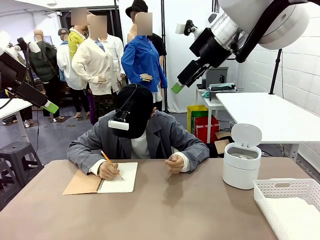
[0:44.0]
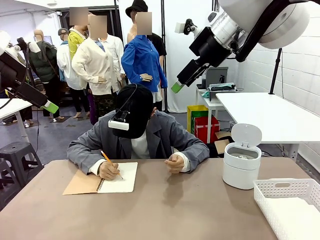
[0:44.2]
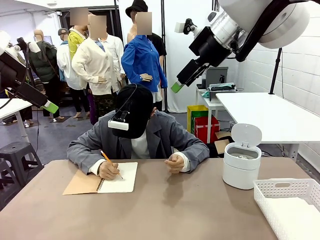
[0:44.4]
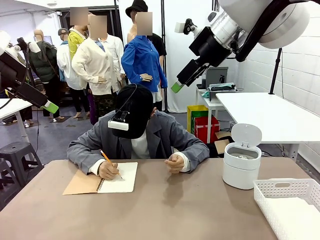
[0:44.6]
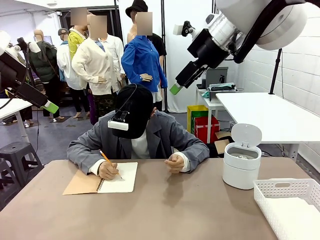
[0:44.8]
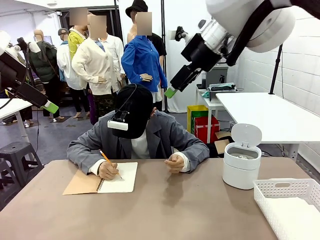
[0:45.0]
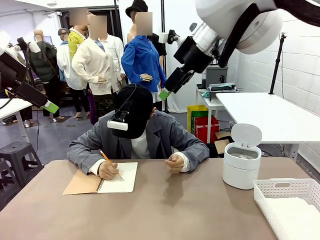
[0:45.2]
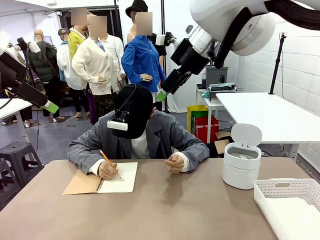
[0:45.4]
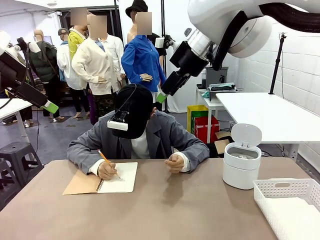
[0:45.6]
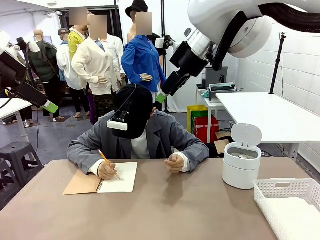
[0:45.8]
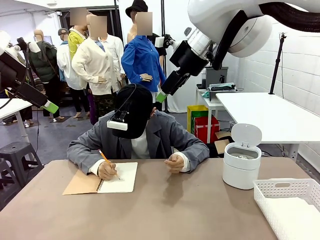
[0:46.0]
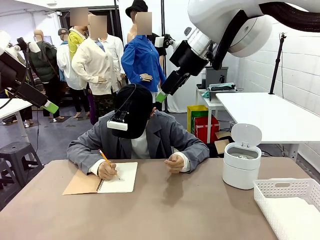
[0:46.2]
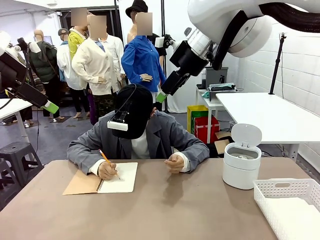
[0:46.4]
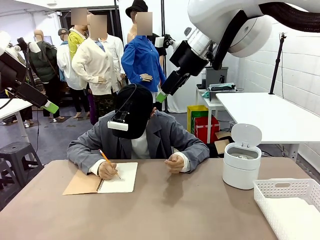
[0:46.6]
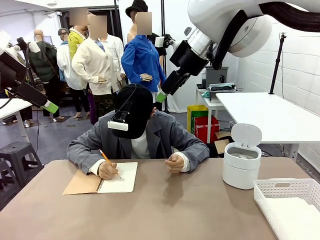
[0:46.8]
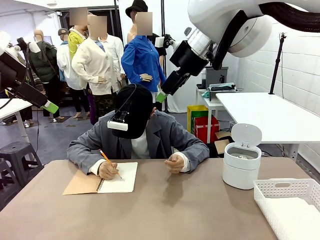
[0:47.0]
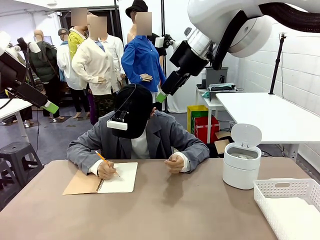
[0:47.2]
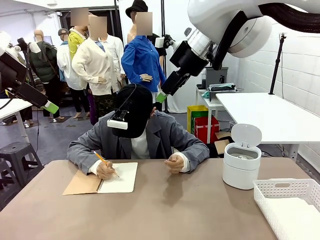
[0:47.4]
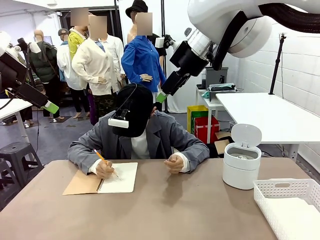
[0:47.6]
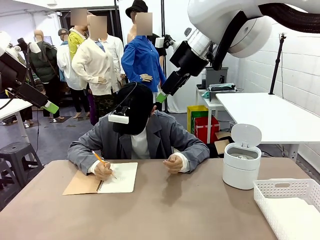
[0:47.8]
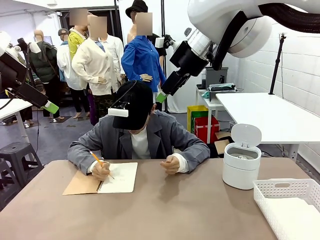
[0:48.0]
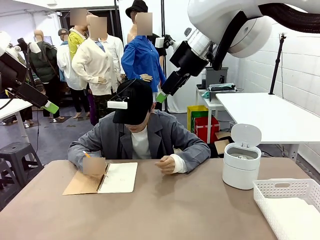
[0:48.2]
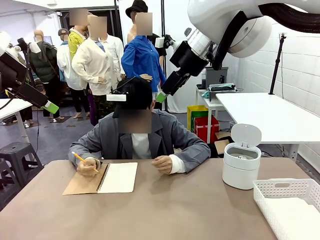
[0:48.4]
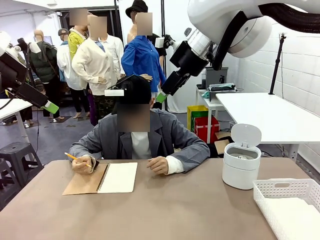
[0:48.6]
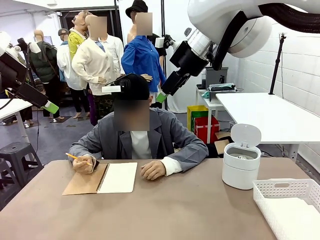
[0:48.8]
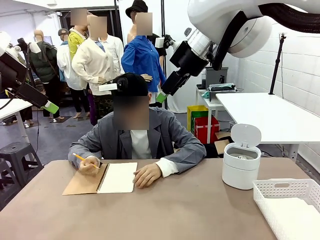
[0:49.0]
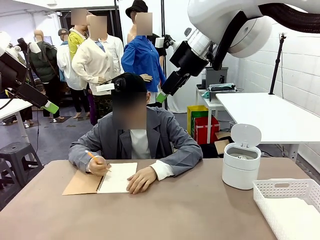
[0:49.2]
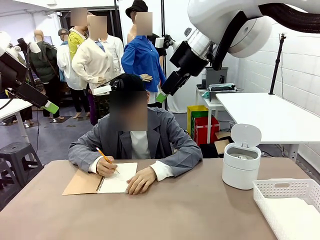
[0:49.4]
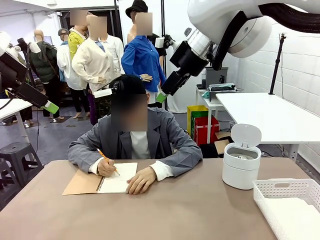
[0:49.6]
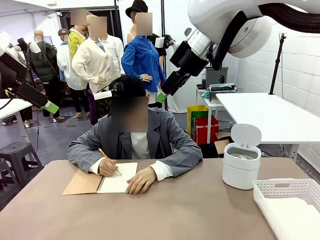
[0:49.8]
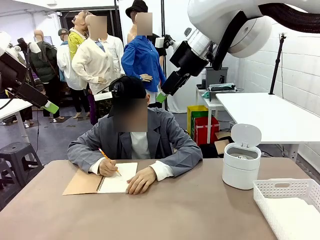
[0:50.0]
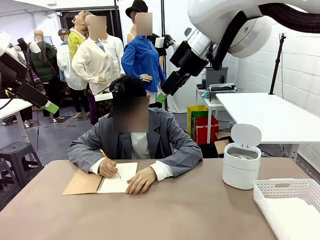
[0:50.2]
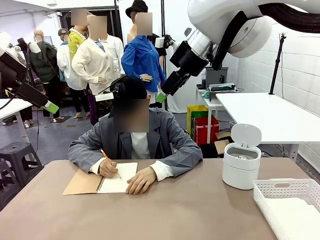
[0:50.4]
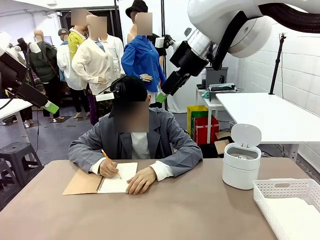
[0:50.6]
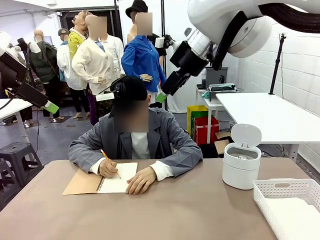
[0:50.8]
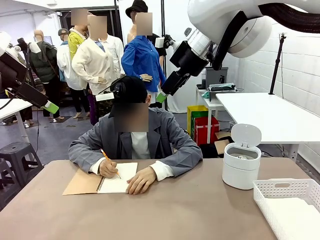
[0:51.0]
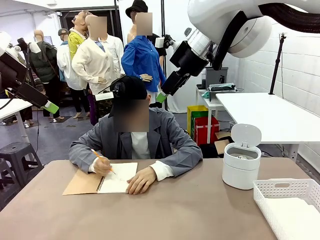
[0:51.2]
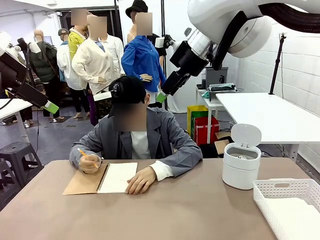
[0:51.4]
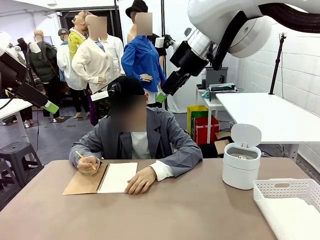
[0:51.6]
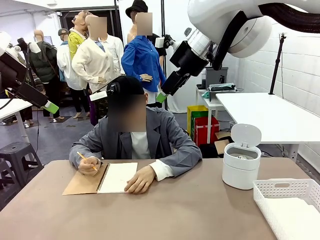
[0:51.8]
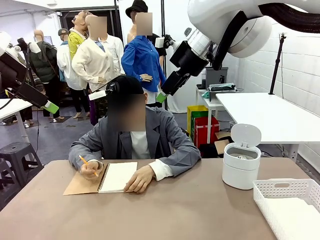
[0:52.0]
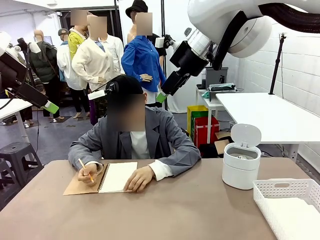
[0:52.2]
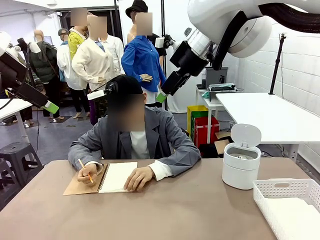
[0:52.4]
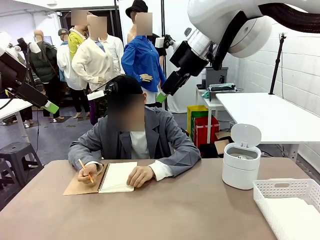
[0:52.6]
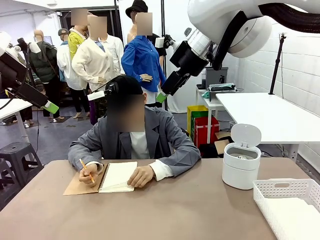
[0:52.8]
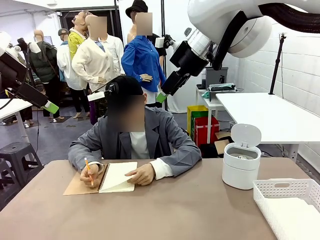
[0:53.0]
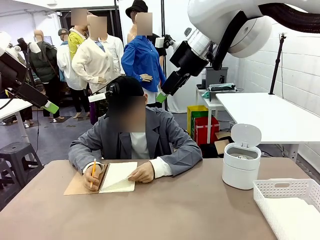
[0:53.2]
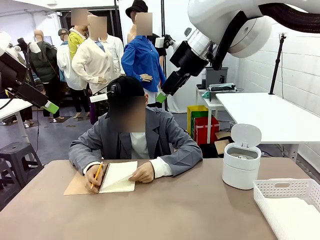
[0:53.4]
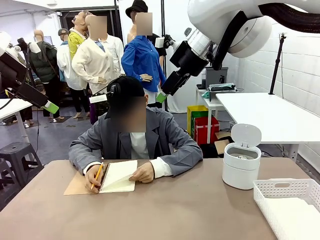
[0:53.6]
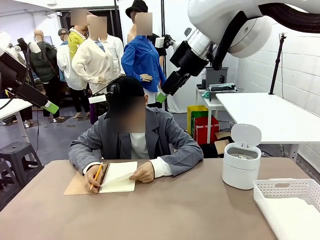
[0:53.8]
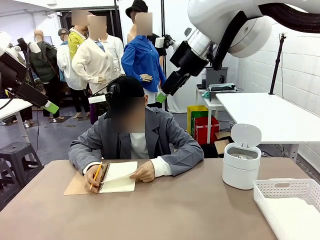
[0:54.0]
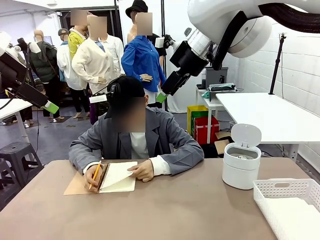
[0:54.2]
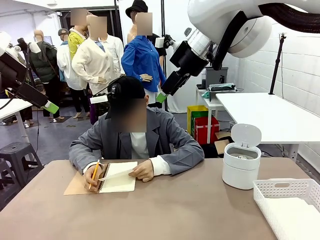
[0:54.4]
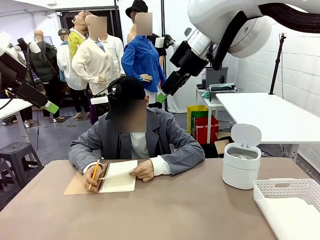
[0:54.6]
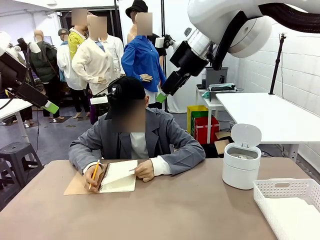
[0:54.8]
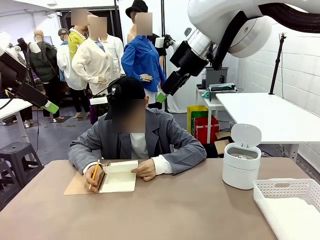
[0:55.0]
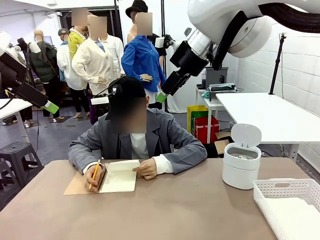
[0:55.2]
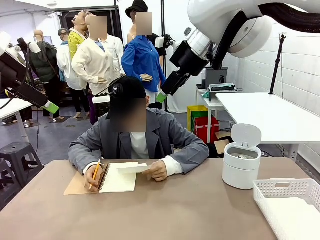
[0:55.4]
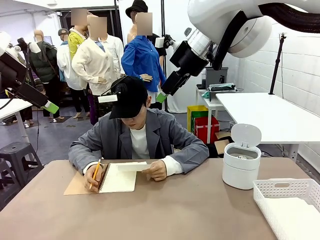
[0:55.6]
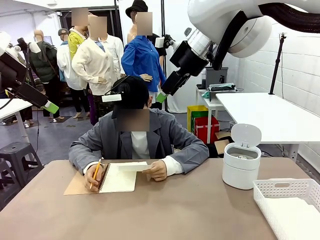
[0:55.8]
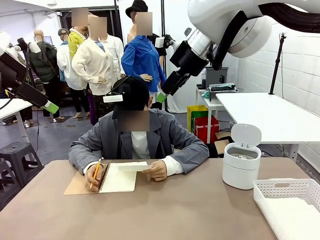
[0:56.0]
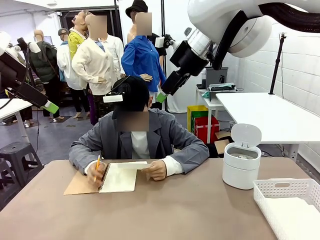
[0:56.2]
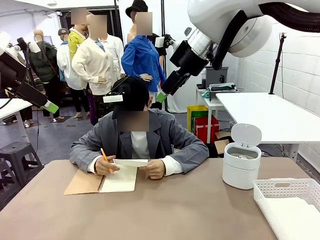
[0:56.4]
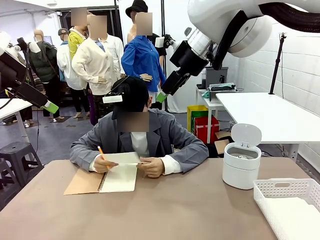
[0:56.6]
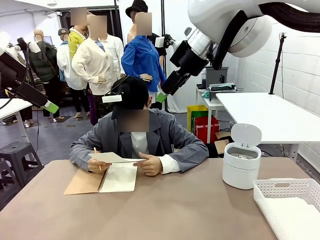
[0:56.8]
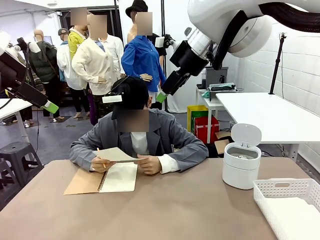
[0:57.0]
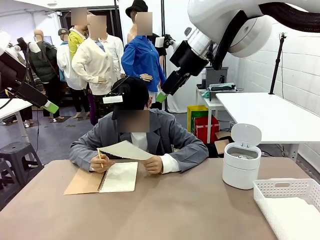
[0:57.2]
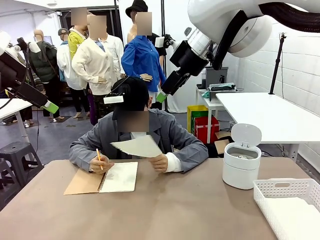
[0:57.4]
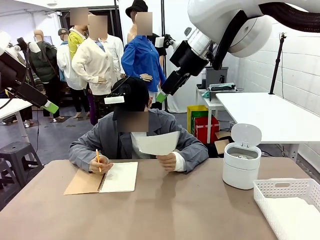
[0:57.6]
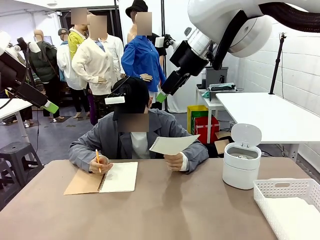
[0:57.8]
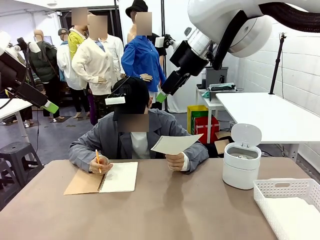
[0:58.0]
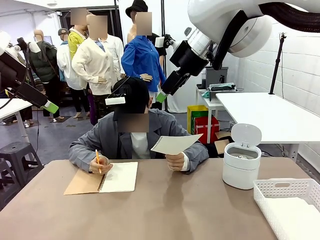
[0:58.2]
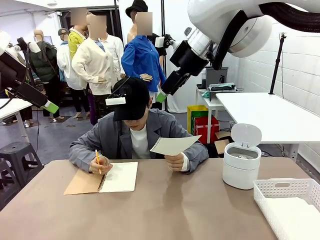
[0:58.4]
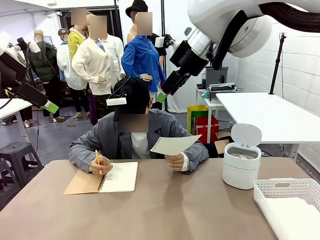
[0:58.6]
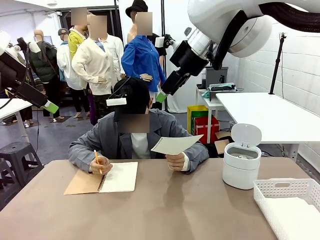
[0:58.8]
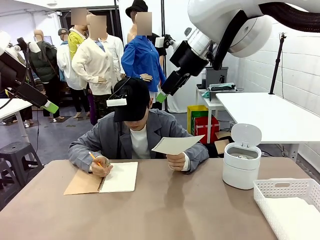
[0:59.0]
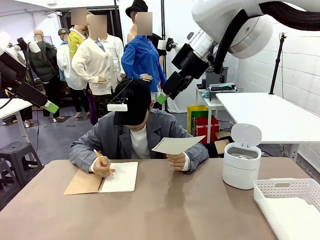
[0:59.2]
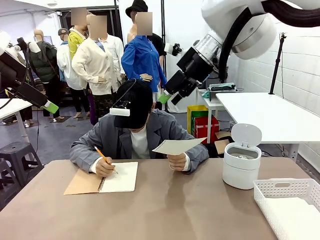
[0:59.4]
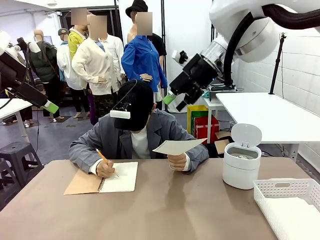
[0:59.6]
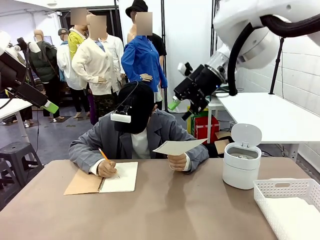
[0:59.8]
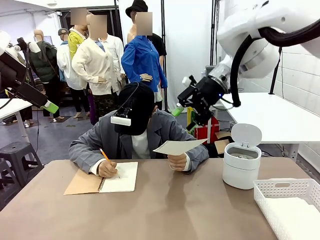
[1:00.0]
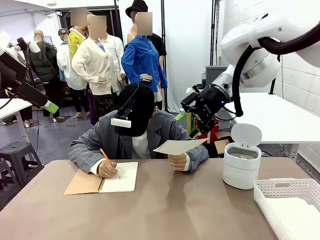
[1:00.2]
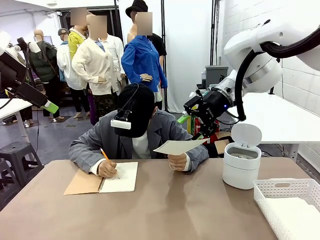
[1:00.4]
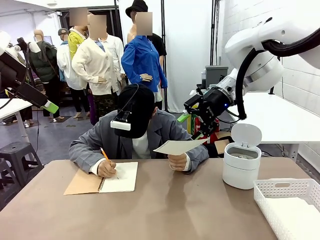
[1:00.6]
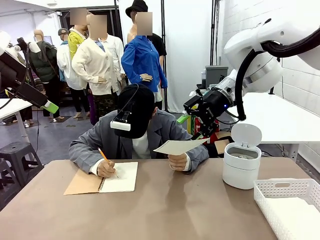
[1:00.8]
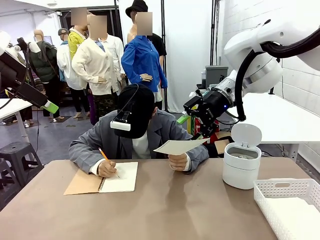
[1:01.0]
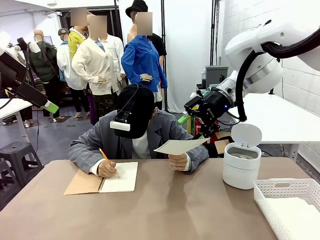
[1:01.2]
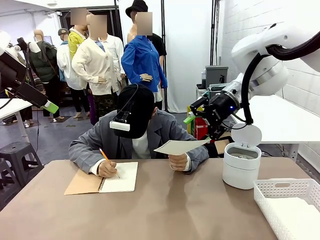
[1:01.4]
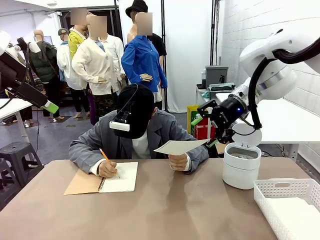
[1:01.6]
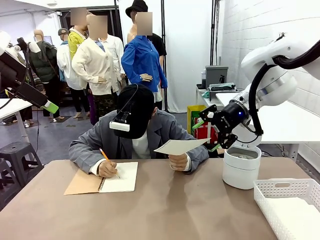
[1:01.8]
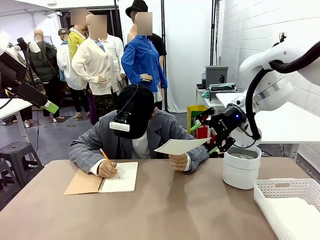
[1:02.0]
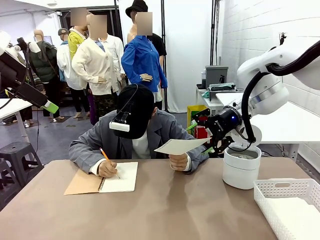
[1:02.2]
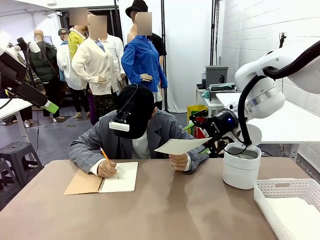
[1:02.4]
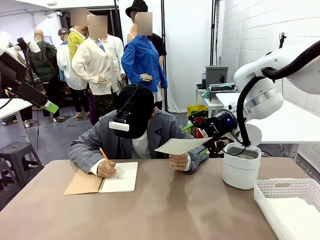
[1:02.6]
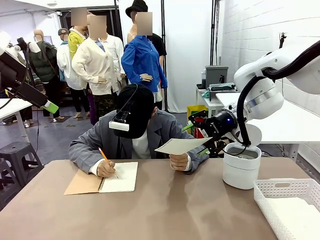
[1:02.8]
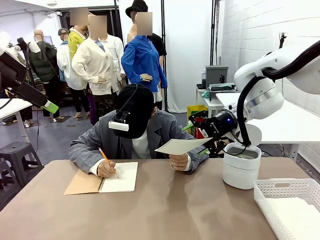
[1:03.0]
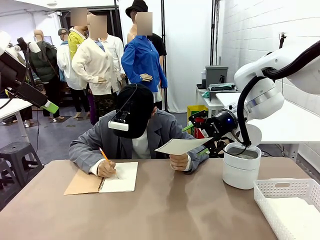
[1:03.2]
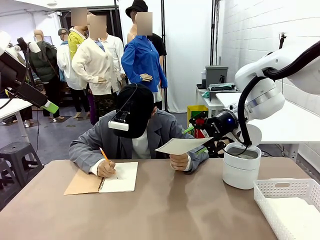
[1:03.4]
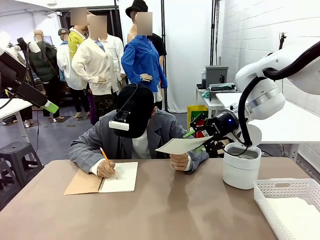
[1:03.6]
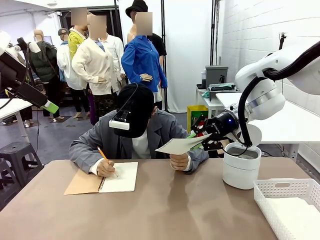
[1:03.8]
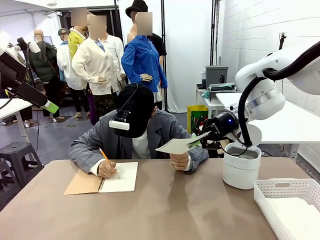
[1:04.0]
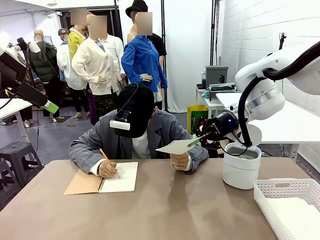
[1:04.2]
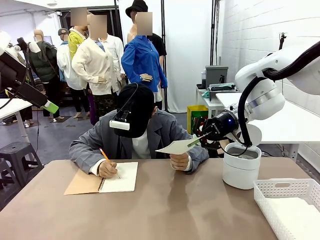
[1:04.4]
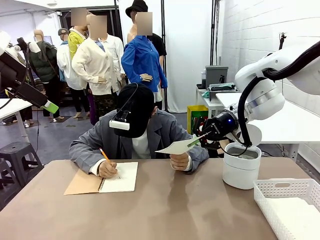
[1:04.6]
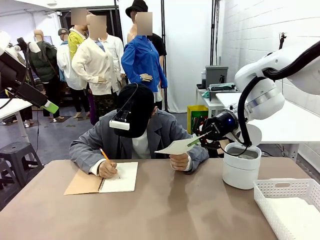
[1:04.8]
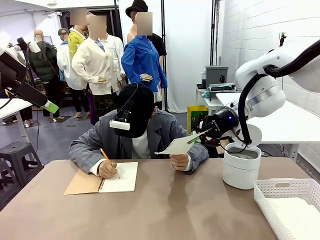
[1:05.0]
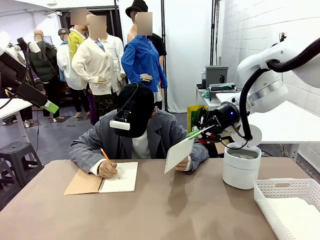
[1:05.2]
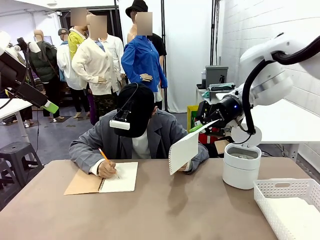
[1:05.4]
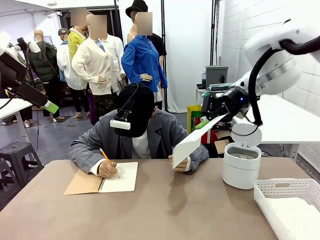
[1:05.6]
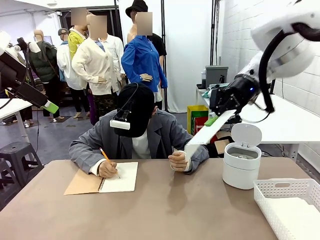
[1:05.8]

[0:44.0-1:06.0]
Task: Sort the paper based on its condition.
Robot: If a person hands you a paper, place it in the Organizing basket , and if it's crumpled, put it in the Trash can.
Person: Hand the torn page to the robot or crumple it and throw it to the center of the table.
